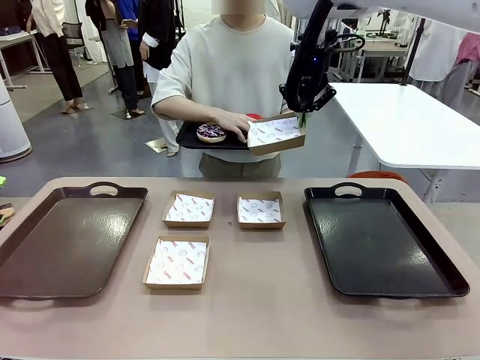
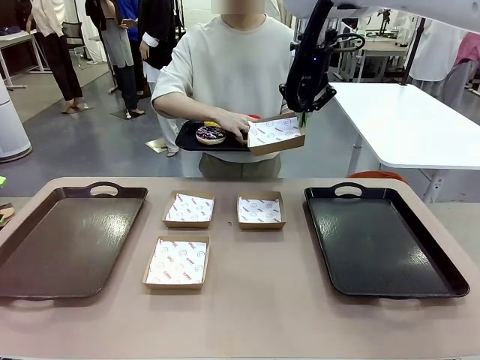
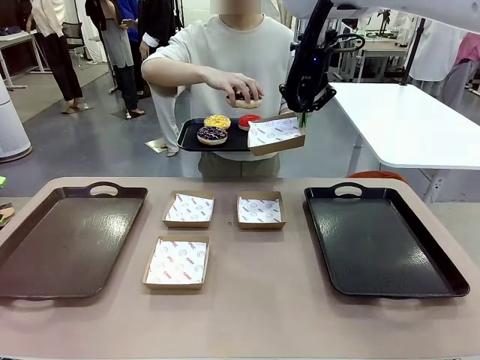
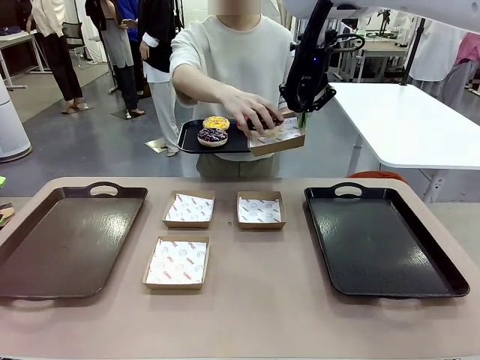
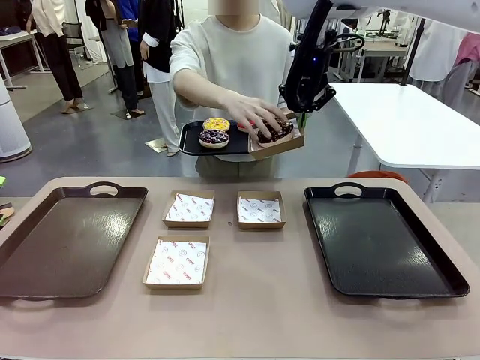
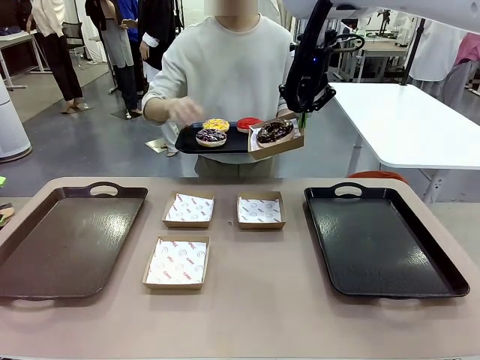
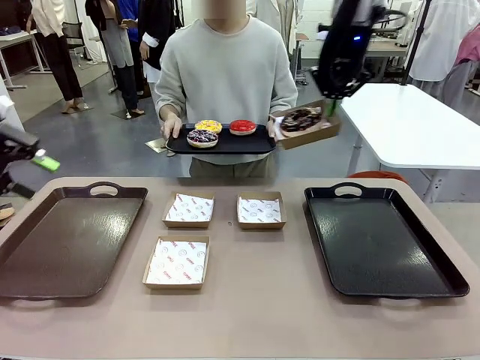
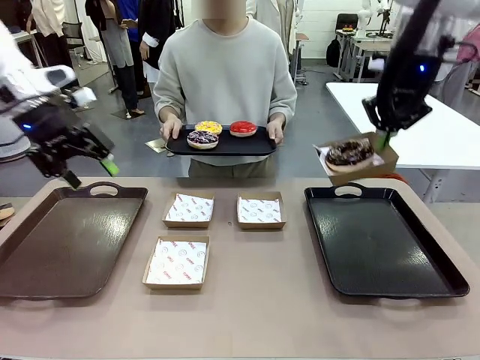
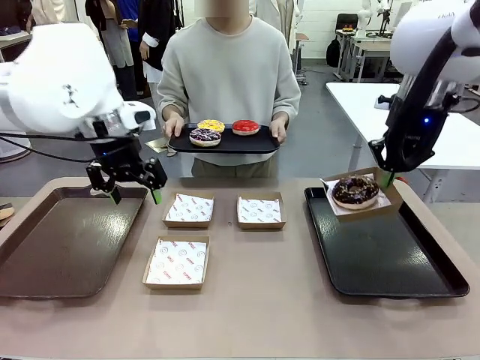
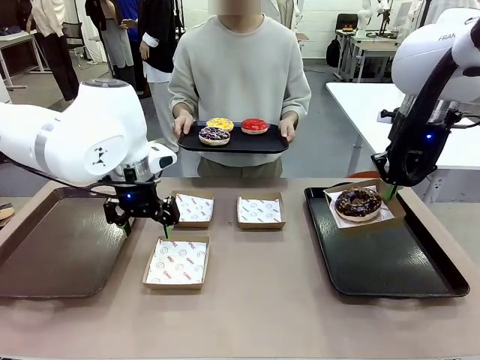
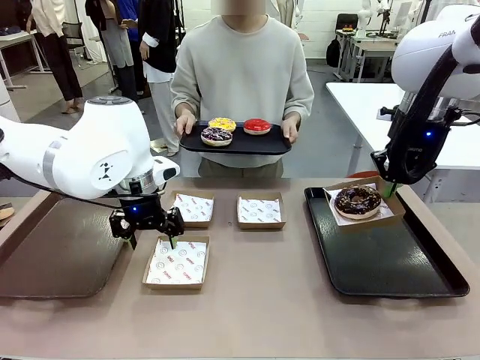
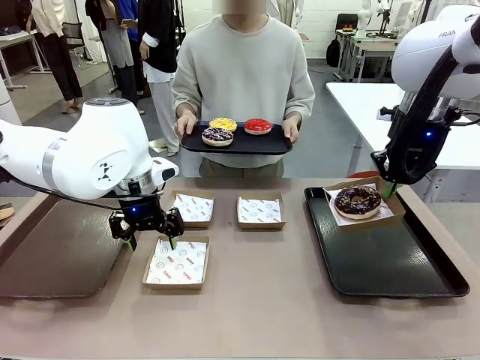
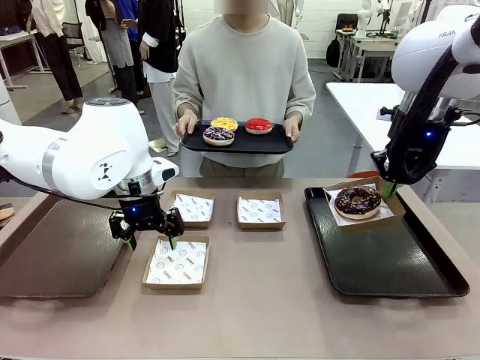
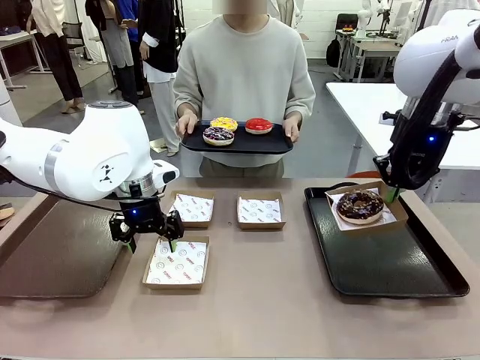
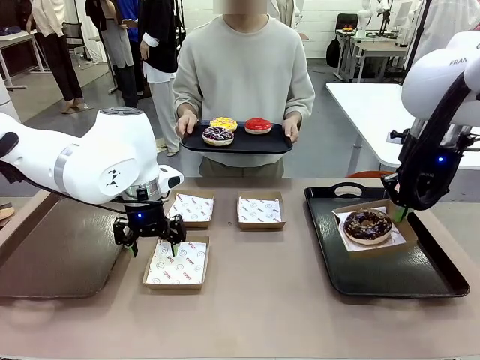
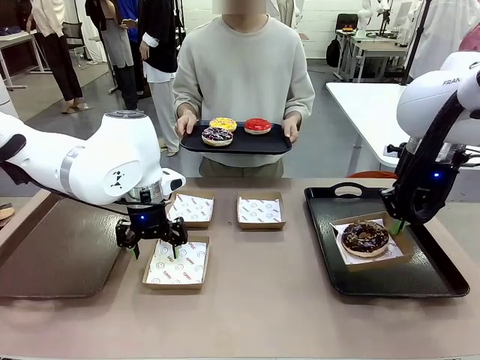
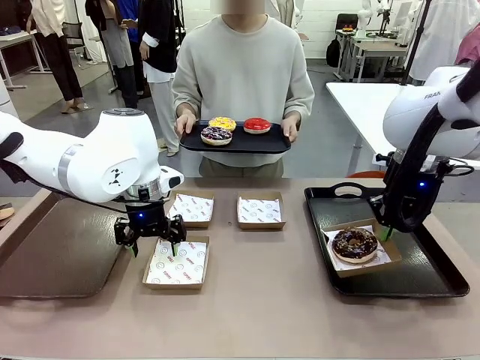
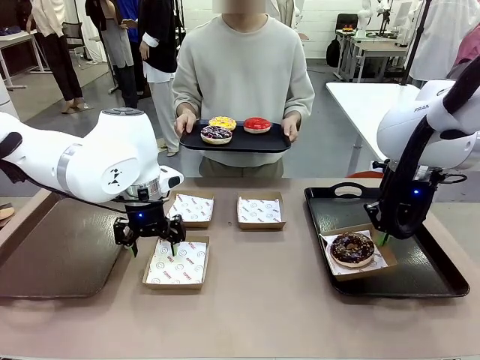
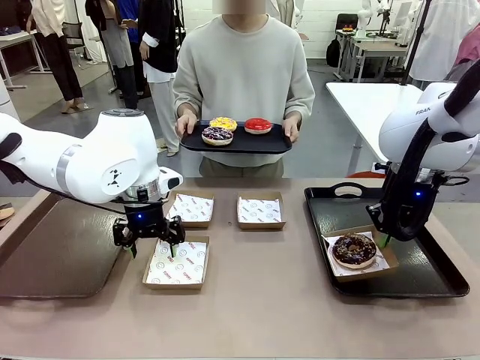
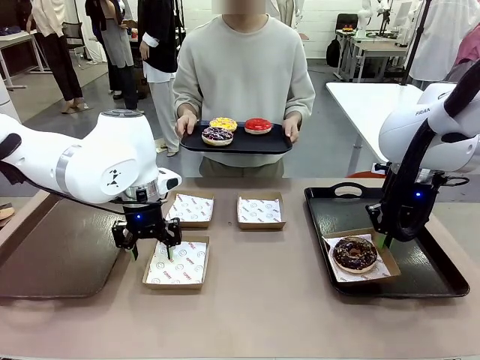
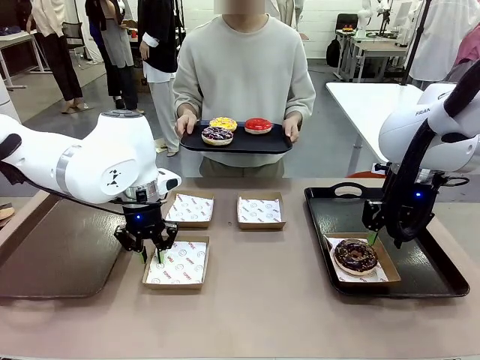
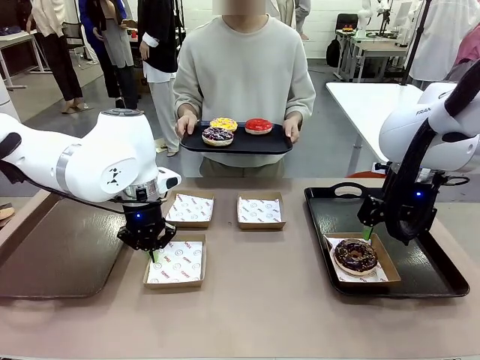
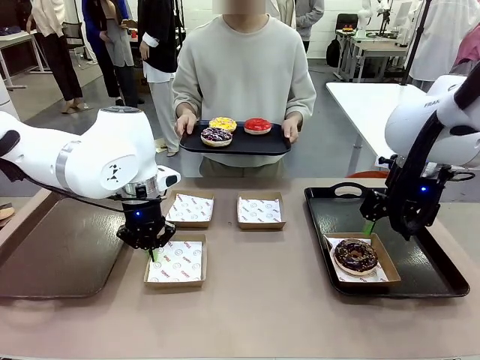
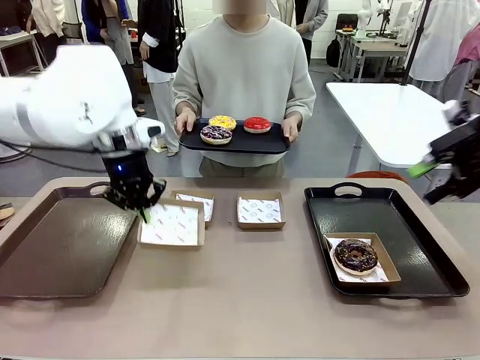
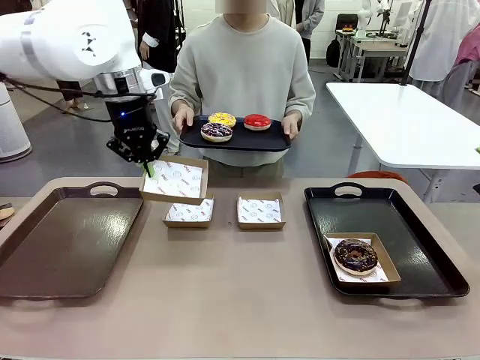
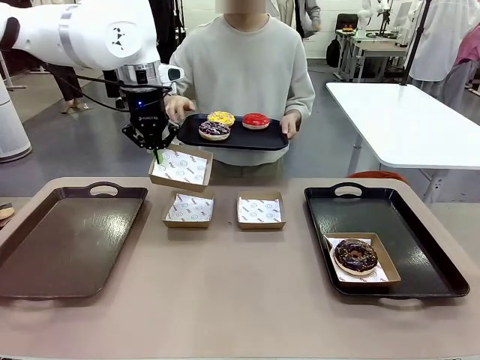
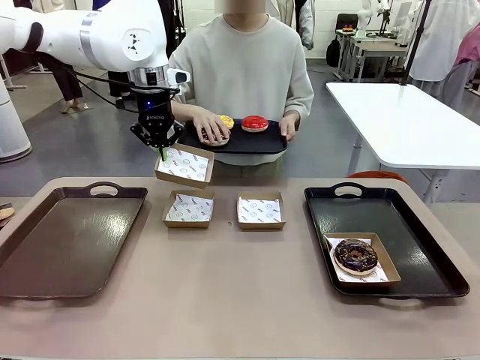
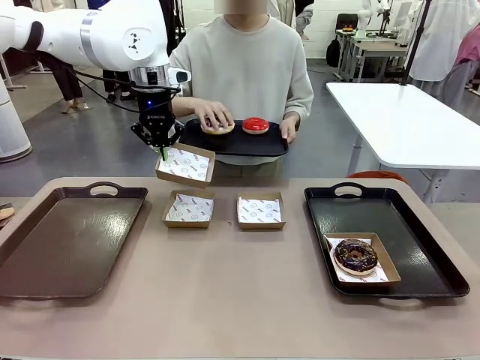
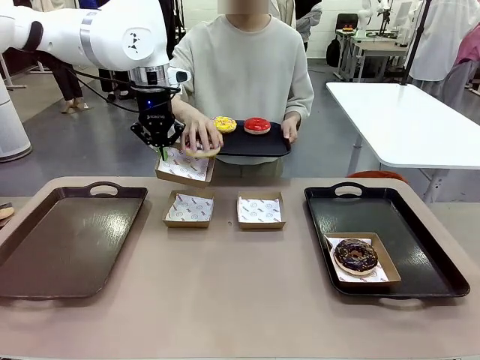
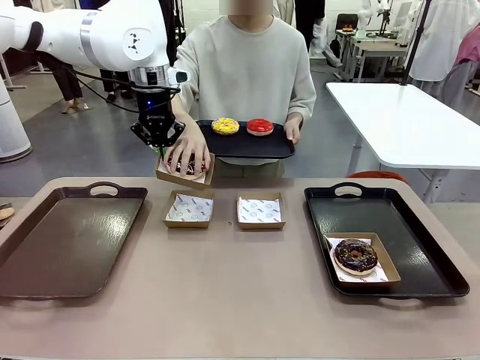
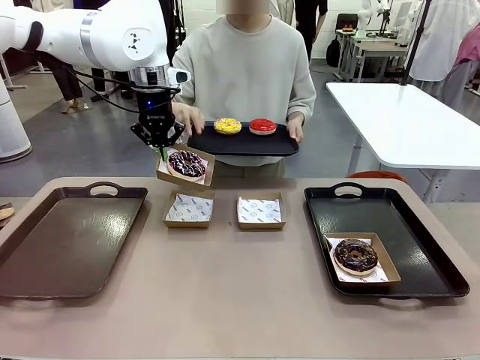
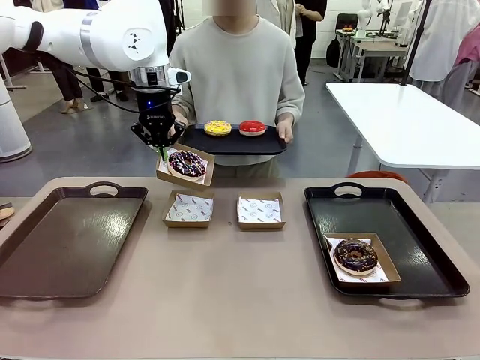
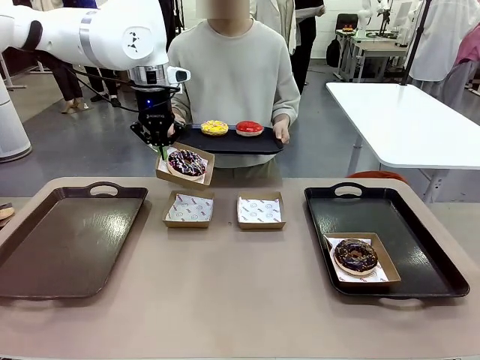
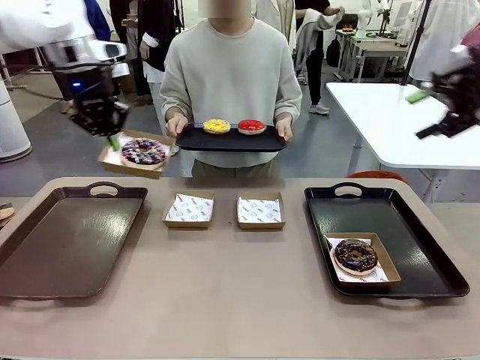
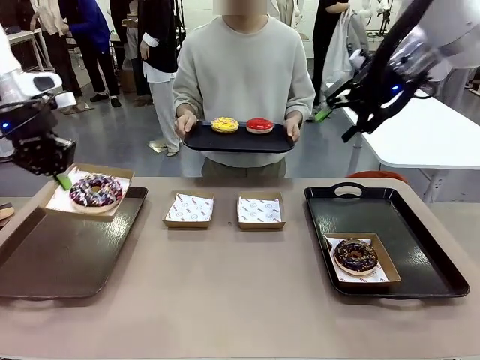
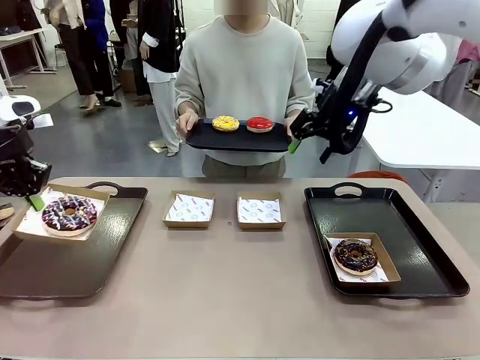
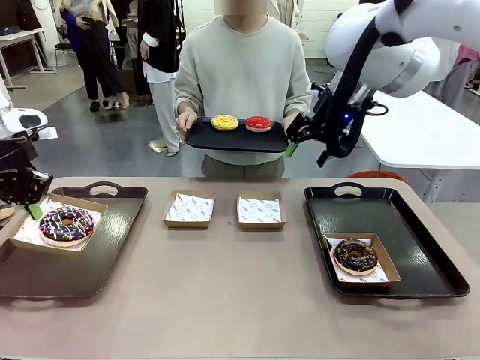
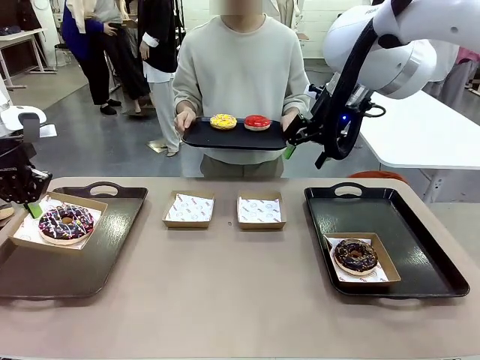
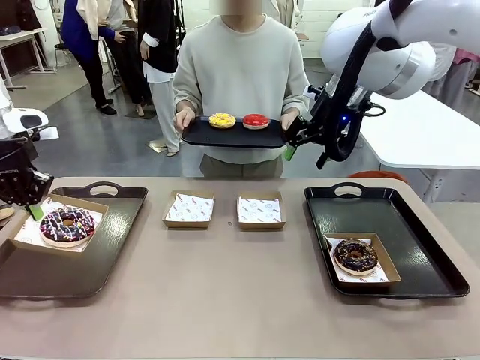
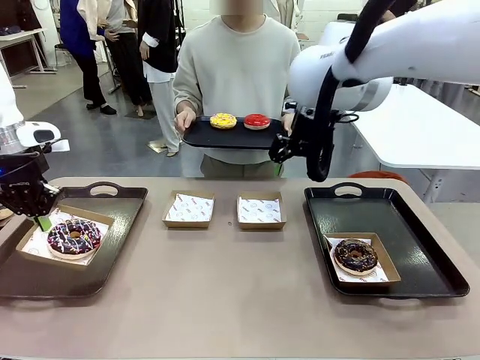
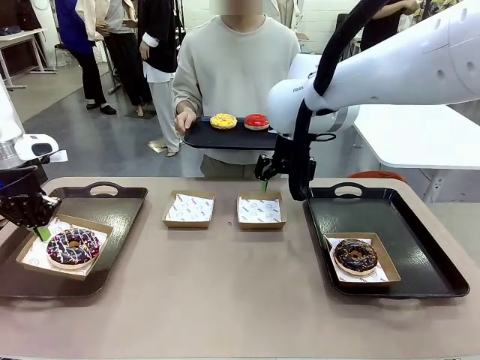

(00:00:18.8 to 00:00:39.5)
Task: Individually package the donuts and arrange them on the tray.
Robot: Place the picked Paper togo box on the Handle tray while simultaneously picking up another Paper togo box from the table with the other hand.
